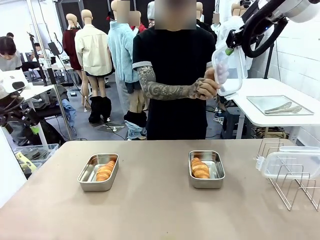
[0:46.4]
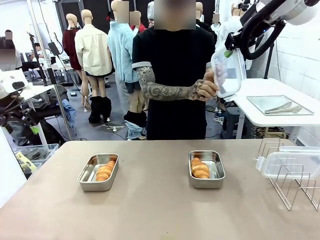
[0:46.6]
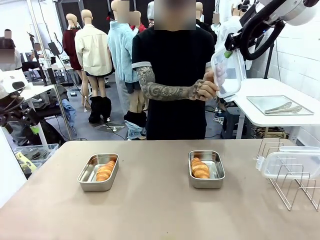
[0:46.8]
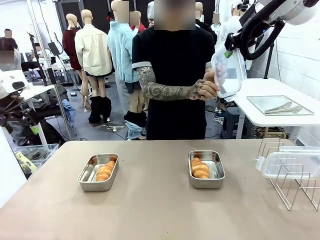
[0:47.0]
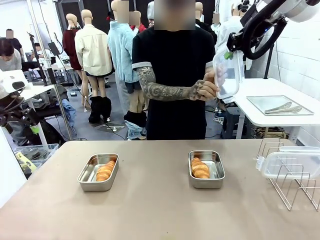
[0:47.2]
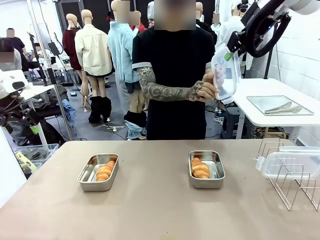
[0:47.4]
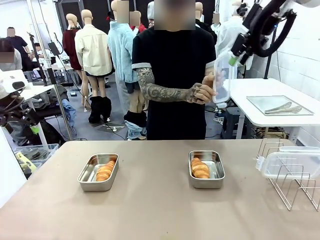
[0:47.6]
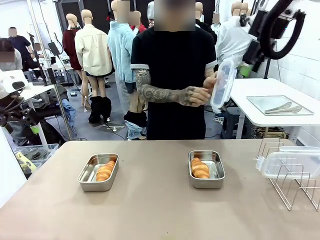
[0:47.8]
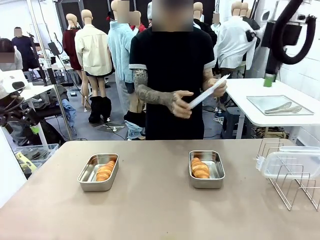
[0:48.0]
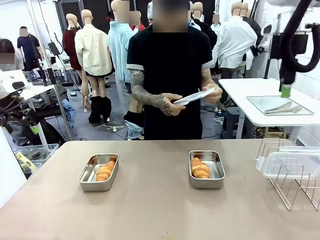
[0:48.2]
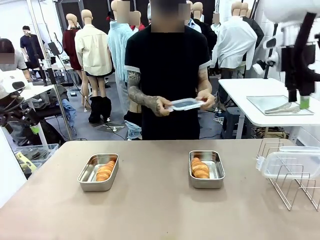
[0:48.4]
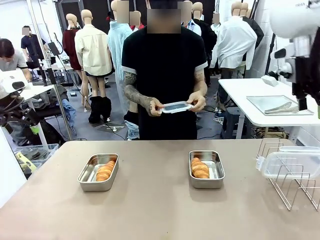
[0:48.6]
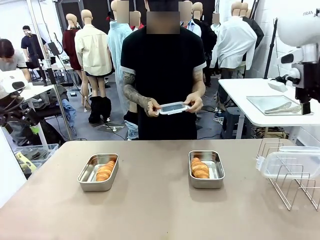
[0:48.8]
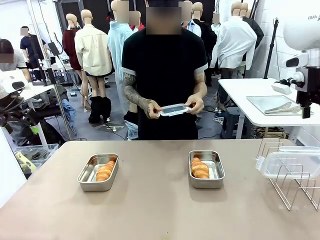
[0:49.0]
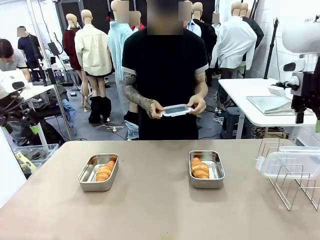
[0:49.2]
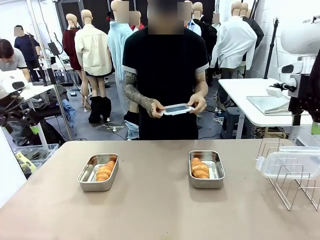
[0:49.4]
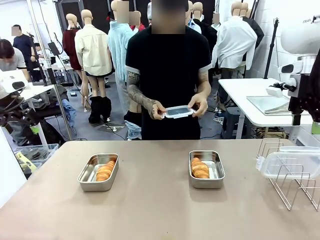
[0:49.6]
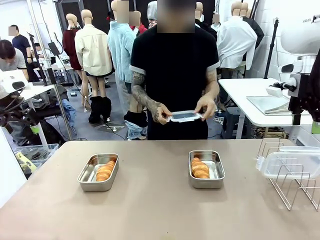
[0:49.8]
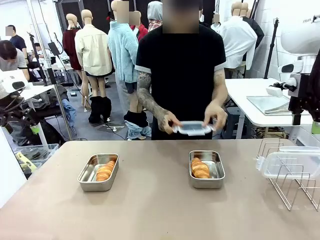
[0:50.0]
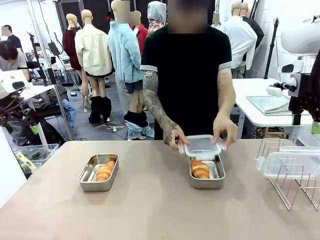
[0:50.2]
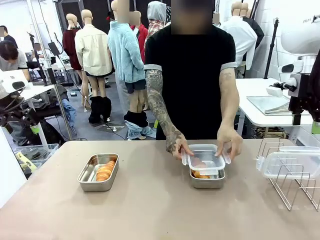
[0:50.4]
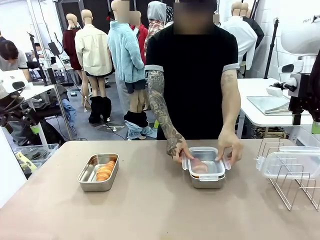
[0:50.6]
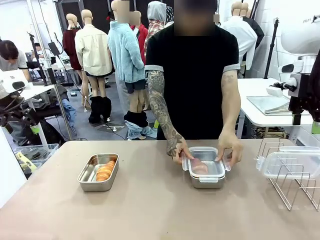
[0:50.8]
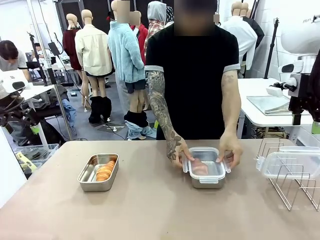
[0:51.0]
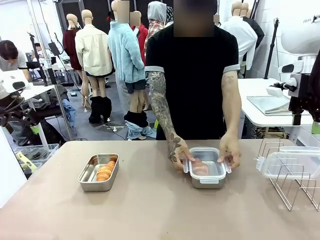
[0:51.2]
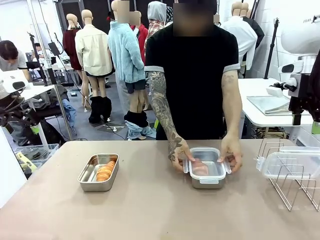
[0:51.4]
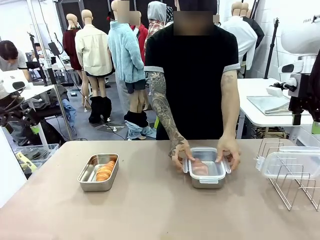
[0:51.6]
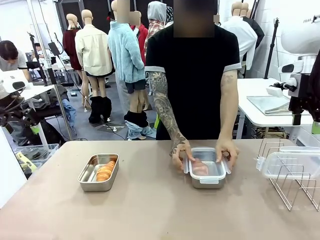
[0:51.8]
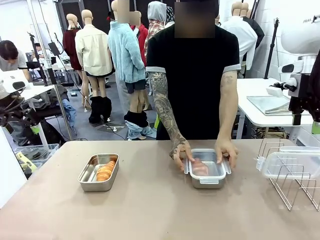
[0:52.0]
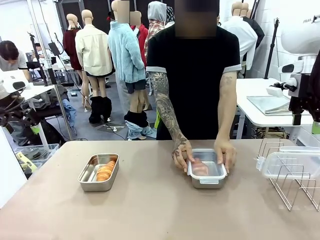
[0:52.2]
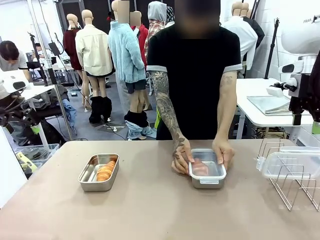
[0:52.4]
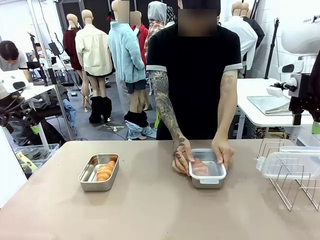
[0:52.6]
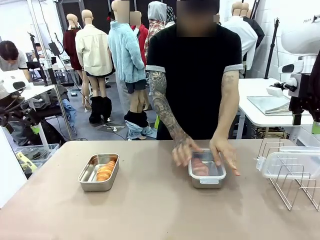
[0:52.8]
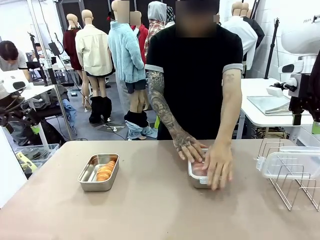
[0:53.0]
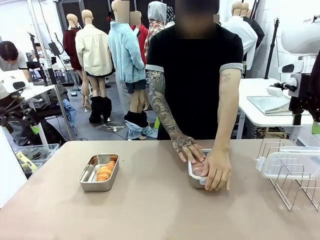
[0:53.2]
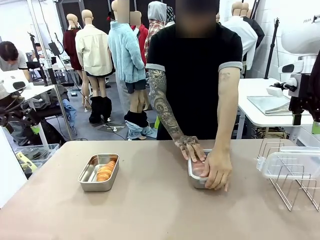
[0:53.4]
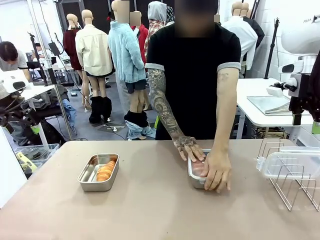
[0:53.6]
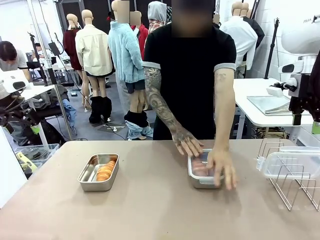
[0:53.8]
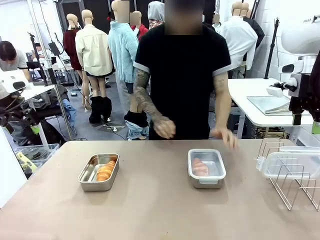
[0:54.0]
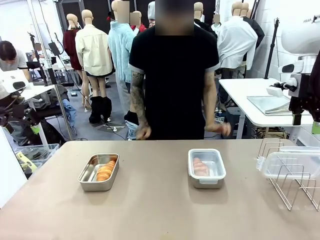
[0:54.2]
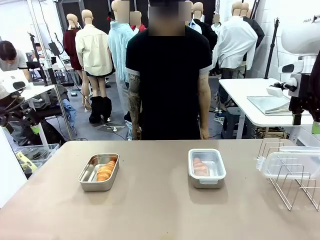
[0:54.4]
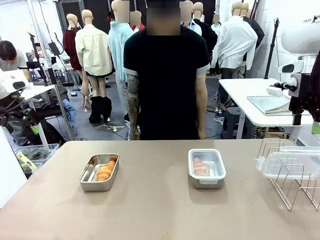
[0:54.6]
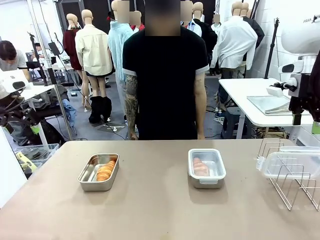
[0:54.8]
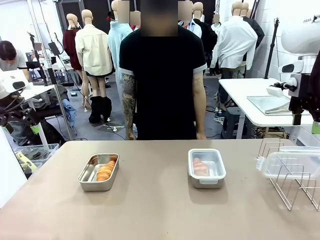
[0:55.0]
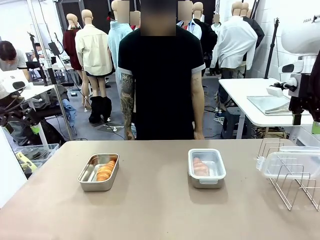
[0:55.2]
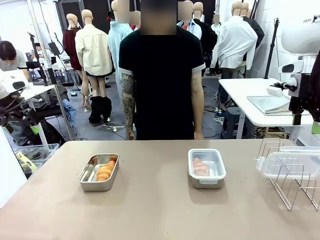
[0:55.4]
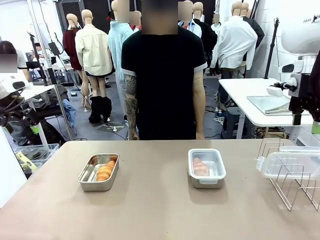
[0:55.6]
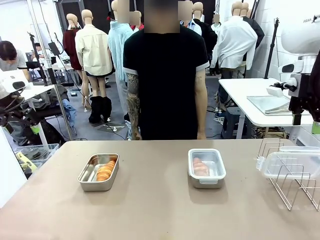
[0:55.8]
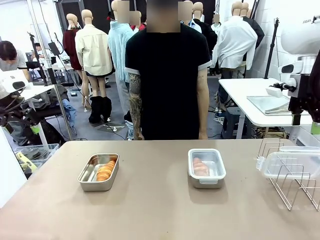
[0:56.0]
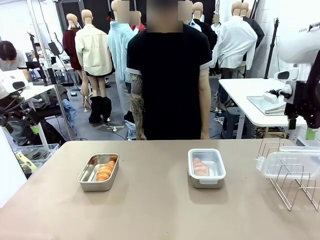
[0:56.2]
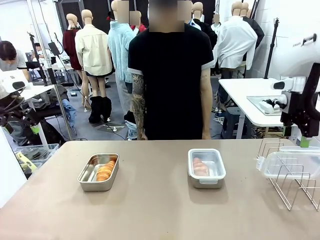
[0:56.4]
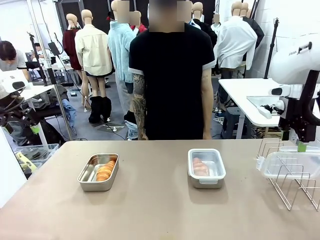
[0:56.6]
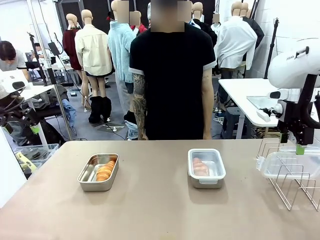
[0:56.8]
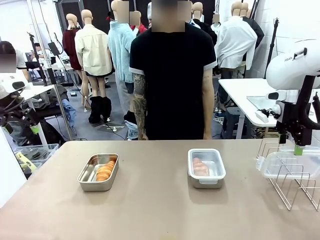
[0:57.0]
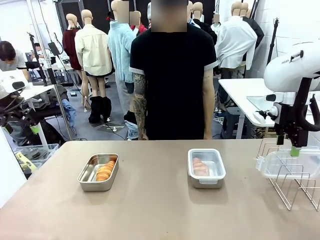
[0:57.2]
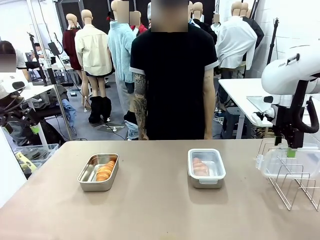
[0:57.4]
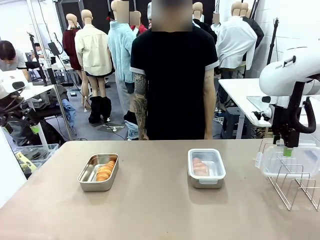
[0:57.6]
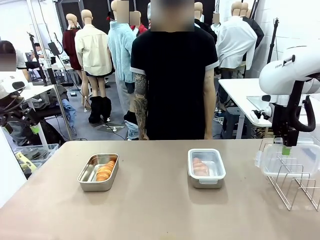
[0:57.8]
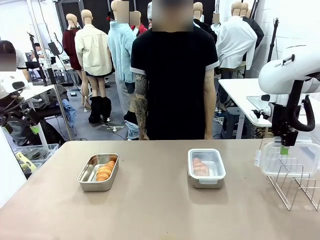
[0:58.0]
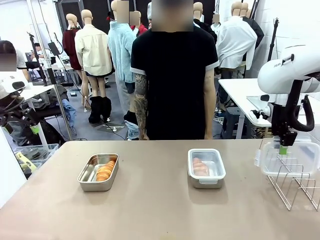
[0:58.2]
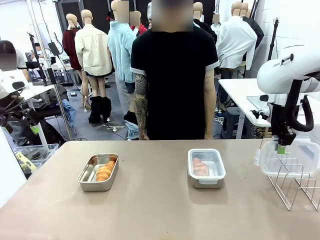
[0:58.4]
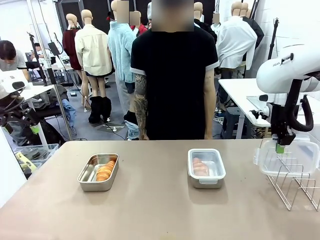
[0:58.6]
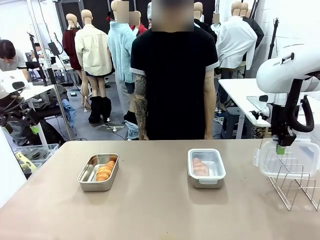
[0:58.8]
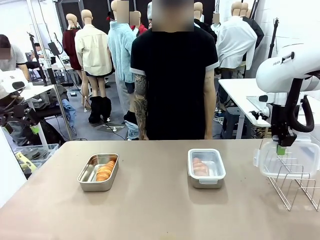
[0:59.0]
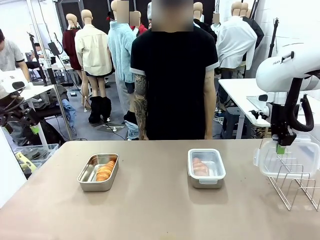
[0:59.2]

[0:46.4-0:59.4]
Task: Place the bread in airtight containers.
Robot: Pick up one Airtight Container lid and hand it to the human.
Person: Close Airtight Container with a handed Airtight Container lid.

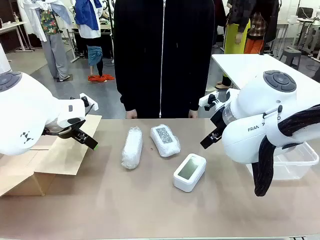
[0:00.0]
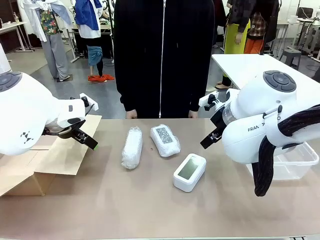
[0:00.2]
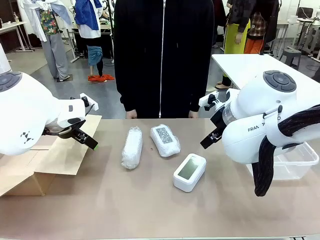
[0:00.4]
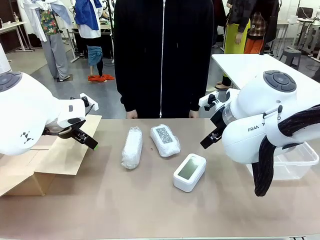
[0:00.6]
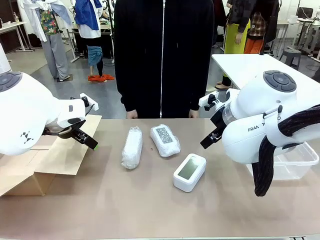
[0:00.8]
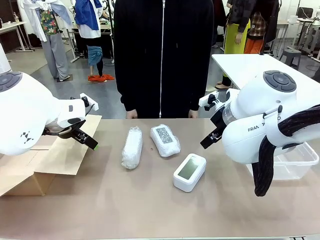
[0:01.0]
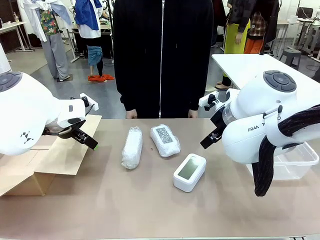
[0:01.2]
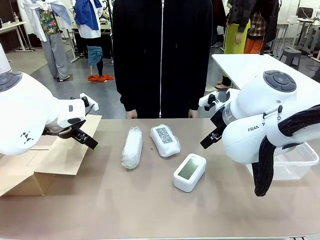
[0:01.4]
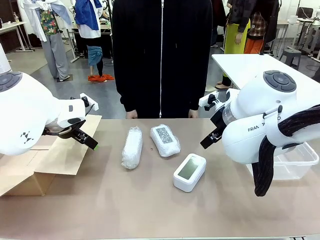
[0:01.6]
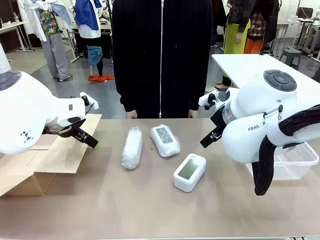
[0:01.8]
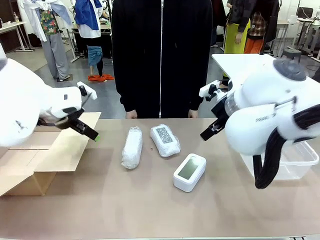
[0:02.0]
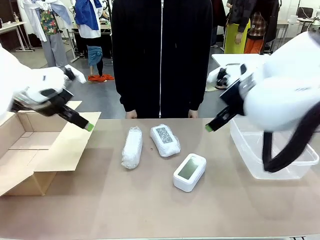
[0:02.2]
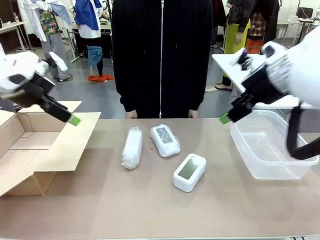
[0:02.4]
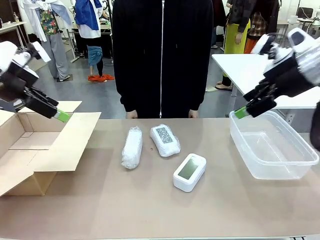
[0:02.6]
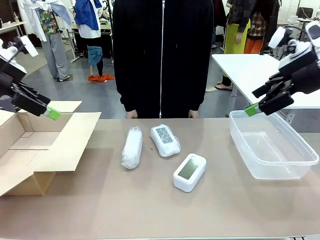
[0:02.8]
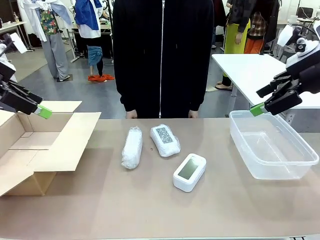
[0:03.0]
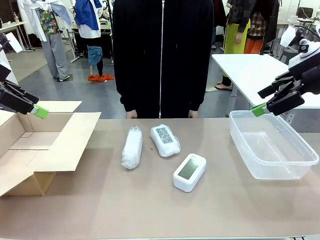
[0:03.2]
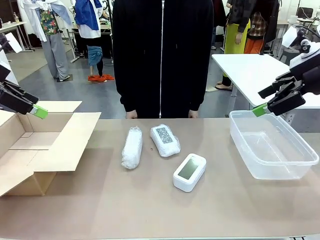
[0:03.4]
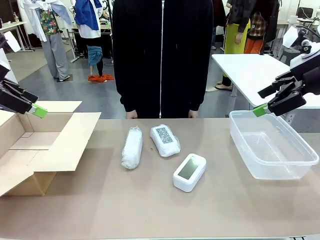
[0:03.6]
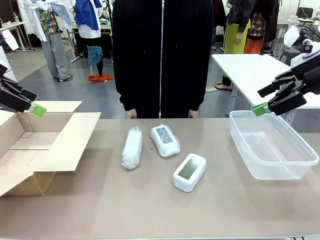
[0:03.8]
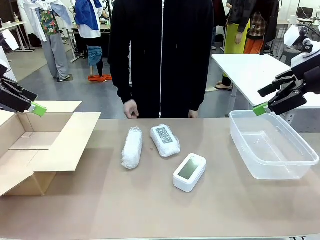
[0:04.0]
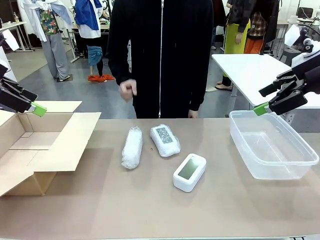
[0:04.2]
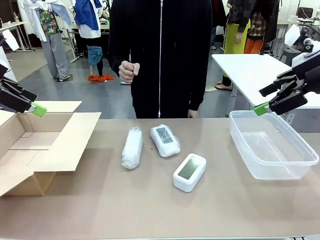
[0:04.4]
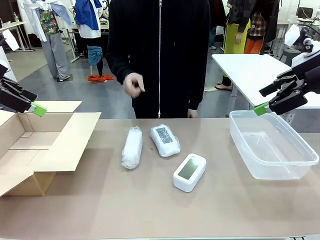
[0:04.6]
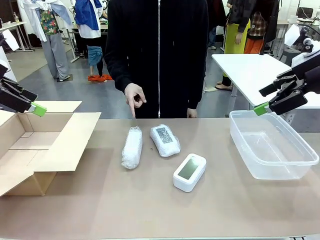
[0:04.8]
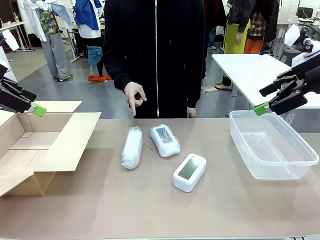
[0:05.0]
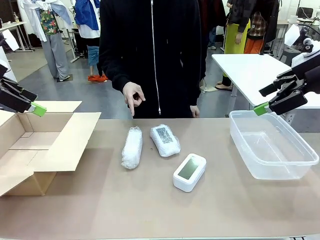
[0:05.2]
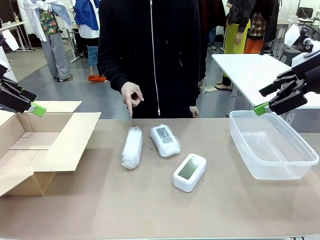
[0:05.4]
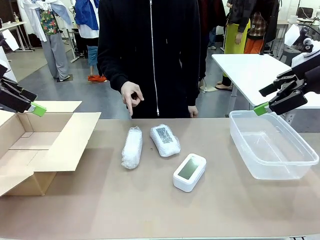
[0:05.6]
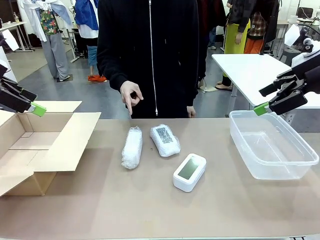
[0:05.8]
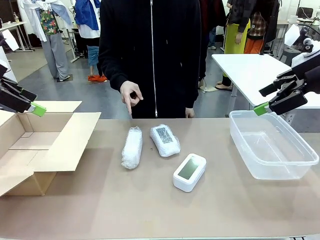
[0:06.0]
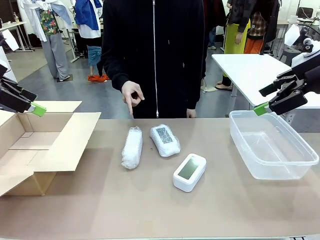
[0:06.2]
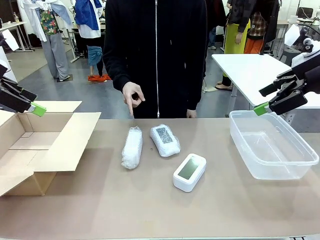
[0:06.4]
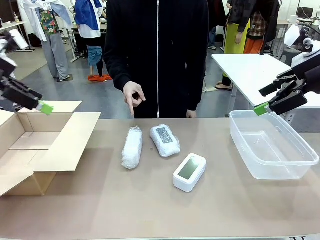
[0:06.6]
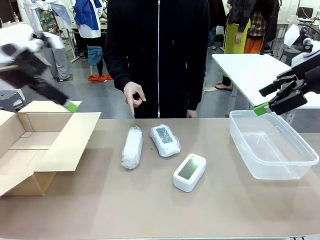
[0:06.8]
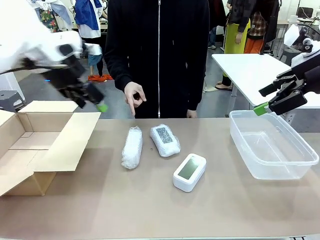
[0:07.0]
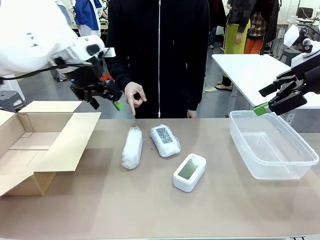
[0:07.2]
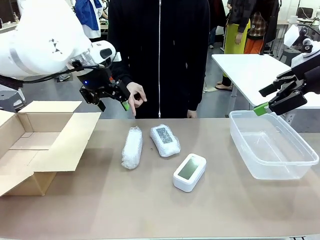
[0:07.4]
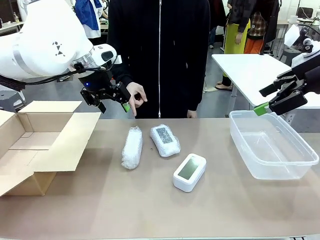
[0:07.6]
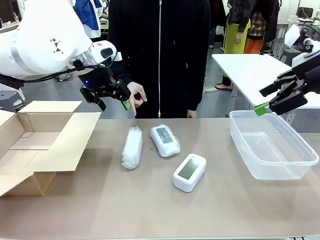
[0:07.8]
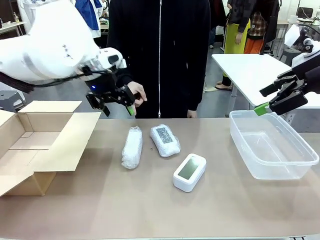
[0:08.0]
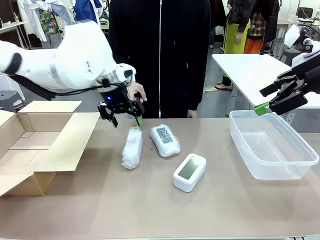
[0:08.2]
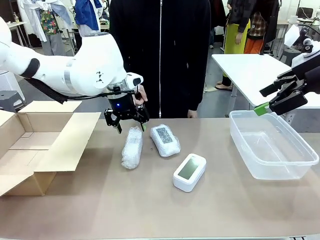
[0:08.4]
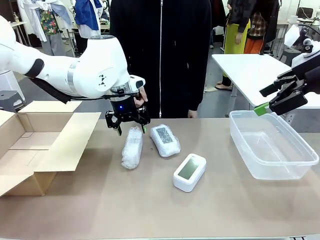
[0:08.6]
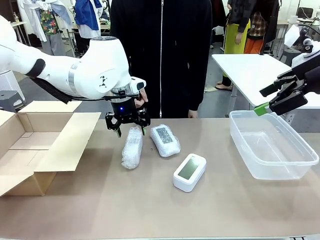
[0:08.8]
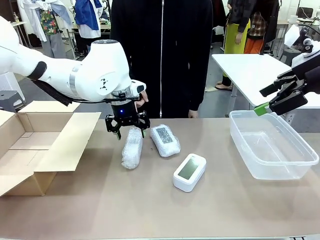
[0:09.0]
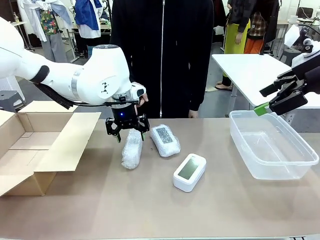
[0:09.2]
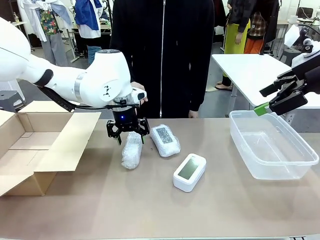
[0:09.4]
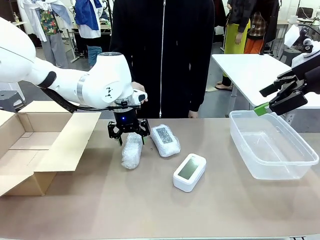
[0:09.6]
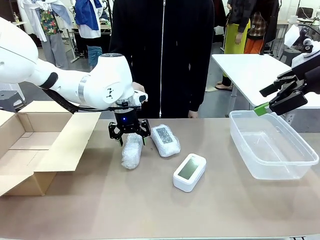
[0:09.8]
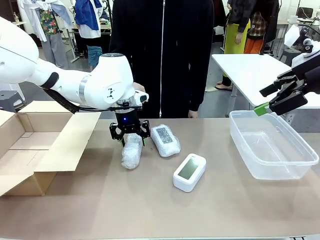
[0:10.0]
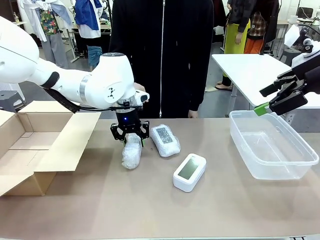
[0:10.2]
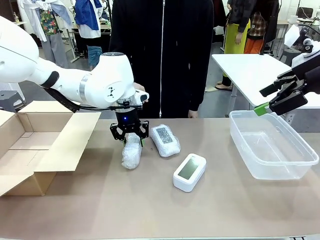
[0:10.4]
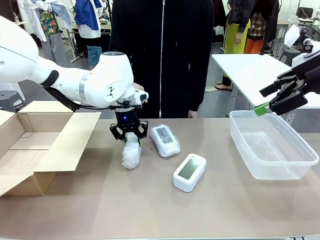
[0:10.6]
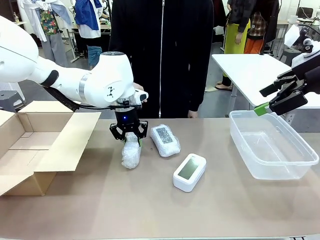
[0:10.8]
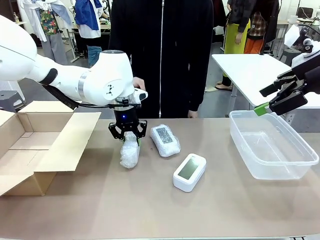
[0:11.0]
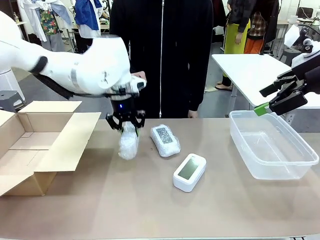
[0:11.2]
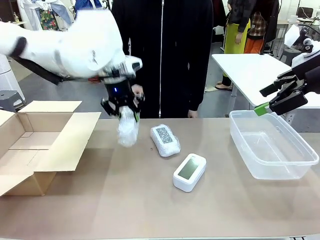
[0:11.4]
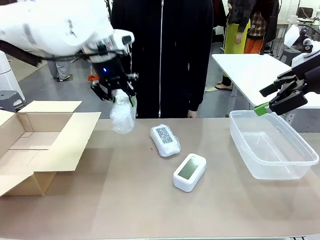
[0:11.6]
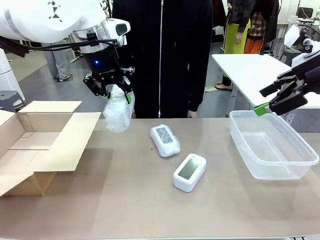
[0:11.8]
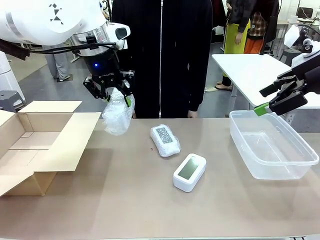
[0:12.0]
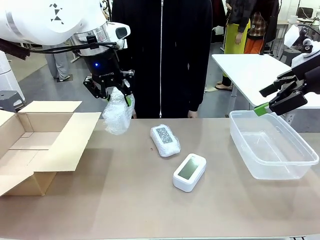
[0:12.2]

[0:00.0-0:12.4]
Task: Separate and place wrapped and unwrapped clocks.
Robot: Pick up the Digital clock indicated by the person.
